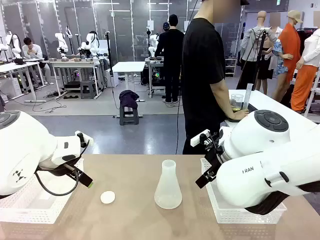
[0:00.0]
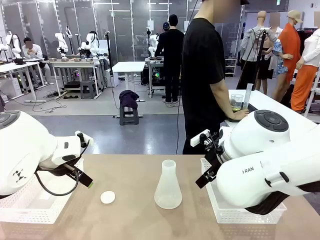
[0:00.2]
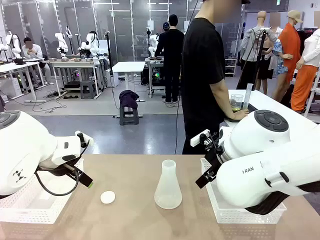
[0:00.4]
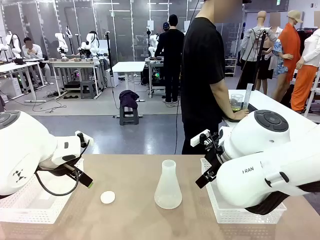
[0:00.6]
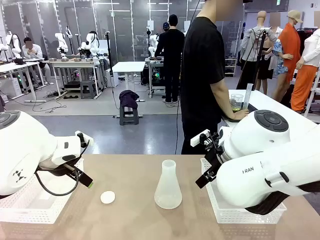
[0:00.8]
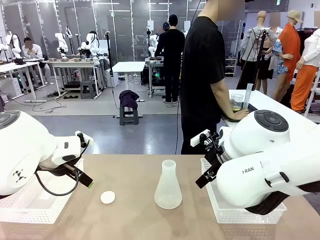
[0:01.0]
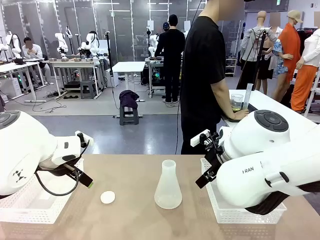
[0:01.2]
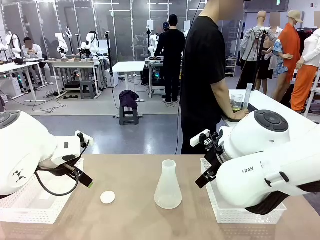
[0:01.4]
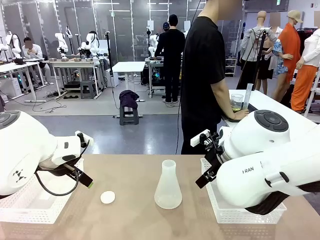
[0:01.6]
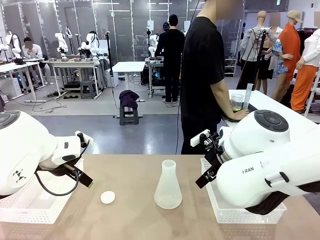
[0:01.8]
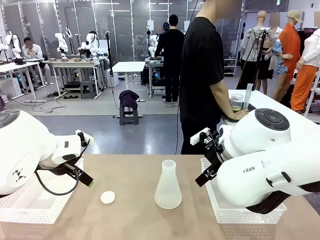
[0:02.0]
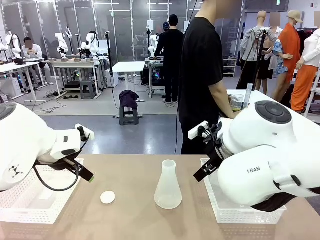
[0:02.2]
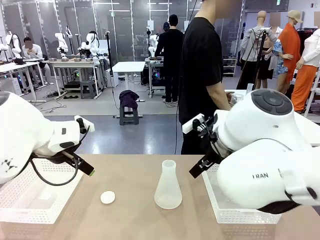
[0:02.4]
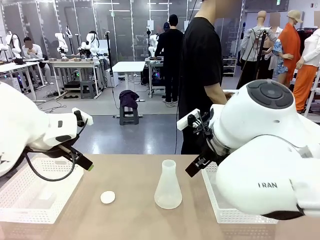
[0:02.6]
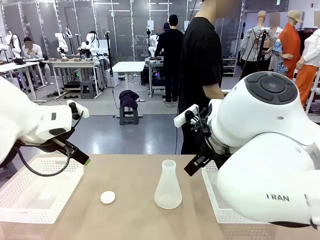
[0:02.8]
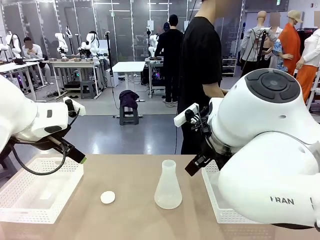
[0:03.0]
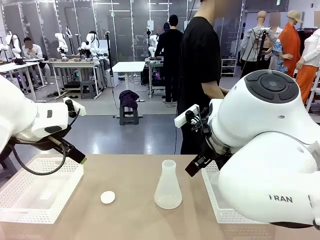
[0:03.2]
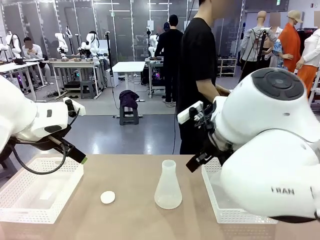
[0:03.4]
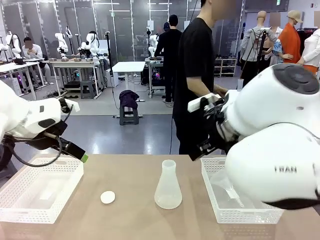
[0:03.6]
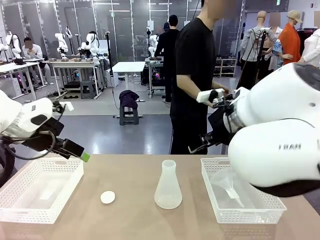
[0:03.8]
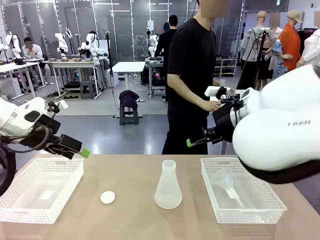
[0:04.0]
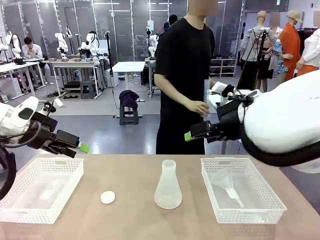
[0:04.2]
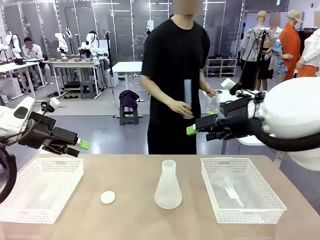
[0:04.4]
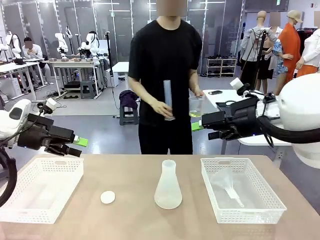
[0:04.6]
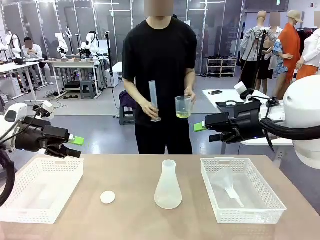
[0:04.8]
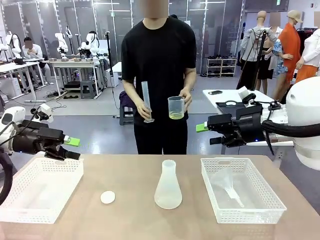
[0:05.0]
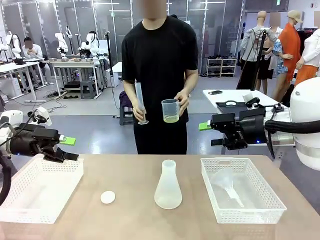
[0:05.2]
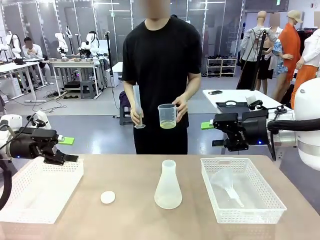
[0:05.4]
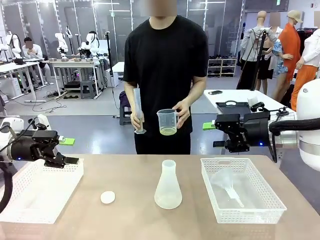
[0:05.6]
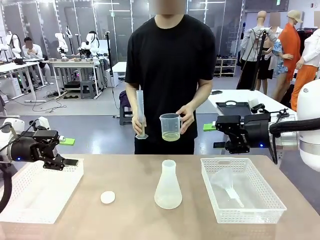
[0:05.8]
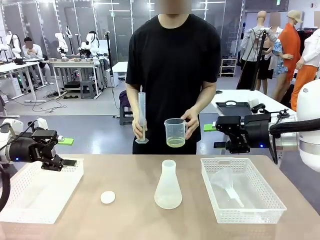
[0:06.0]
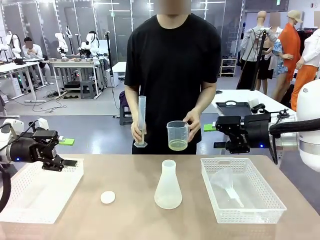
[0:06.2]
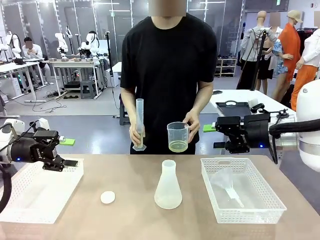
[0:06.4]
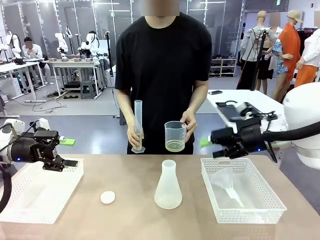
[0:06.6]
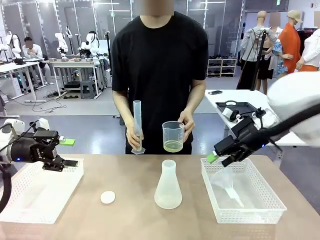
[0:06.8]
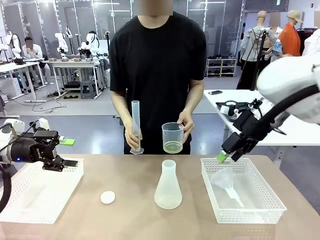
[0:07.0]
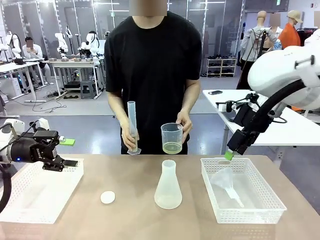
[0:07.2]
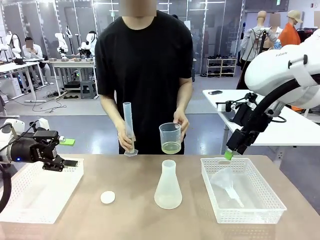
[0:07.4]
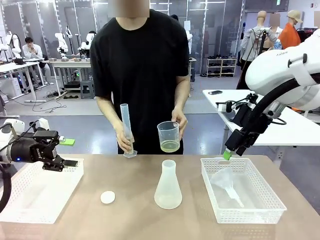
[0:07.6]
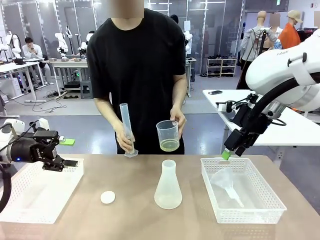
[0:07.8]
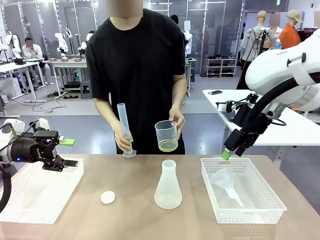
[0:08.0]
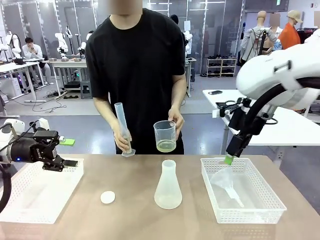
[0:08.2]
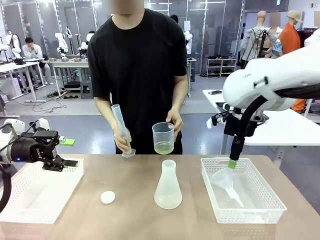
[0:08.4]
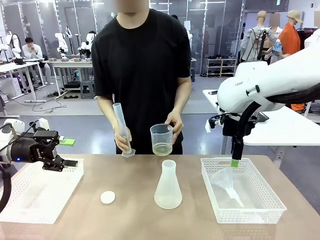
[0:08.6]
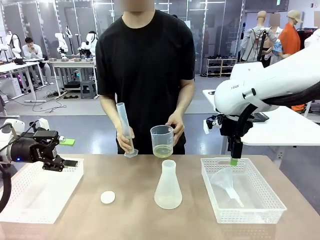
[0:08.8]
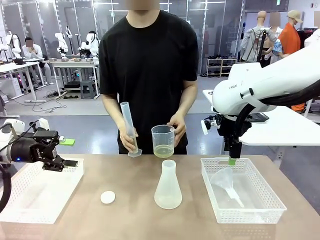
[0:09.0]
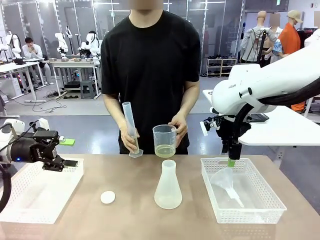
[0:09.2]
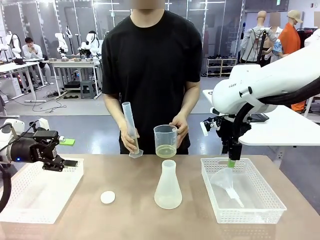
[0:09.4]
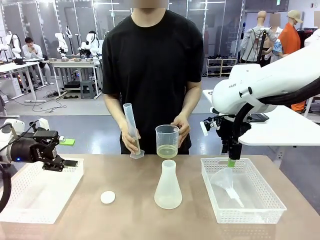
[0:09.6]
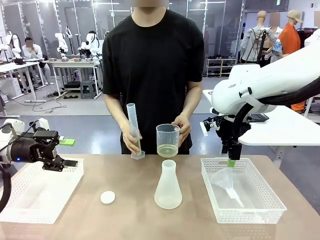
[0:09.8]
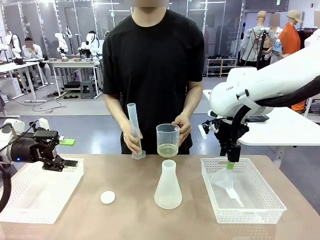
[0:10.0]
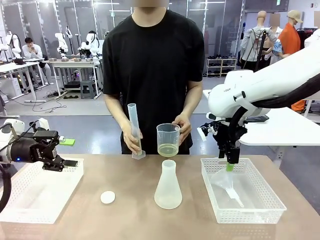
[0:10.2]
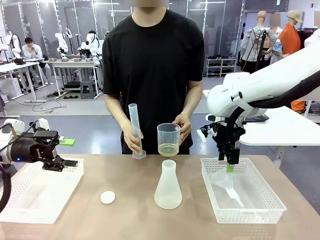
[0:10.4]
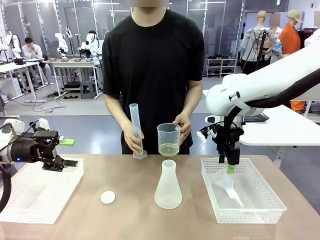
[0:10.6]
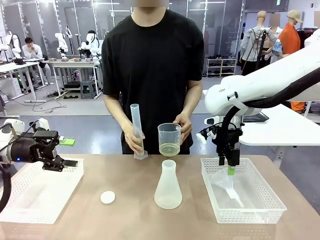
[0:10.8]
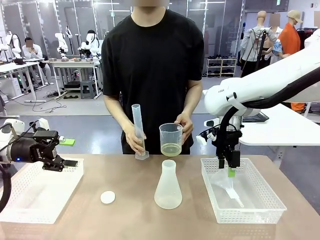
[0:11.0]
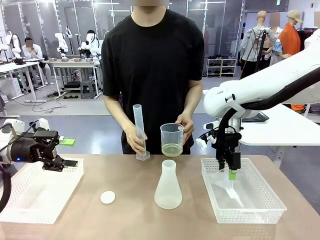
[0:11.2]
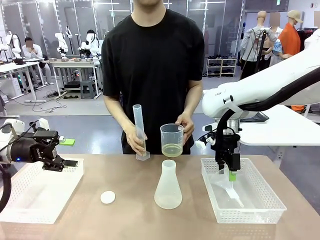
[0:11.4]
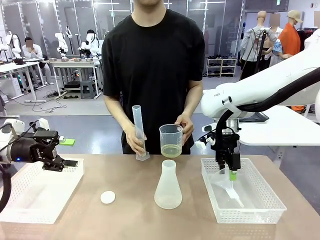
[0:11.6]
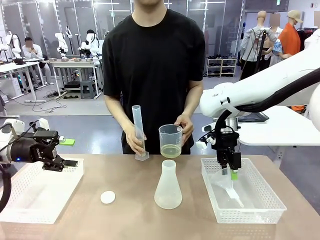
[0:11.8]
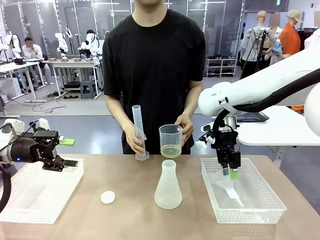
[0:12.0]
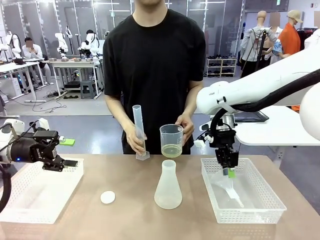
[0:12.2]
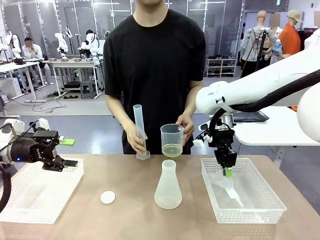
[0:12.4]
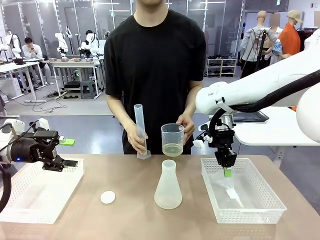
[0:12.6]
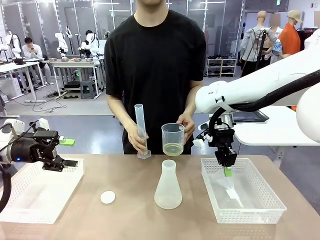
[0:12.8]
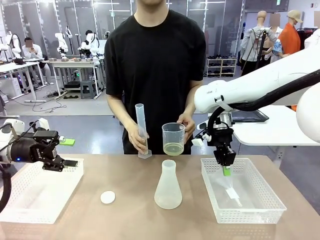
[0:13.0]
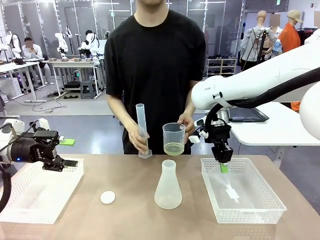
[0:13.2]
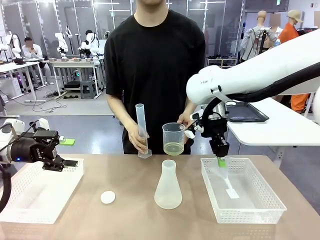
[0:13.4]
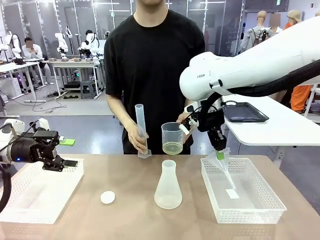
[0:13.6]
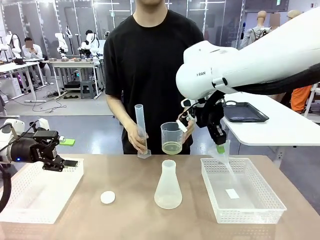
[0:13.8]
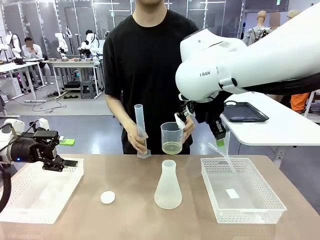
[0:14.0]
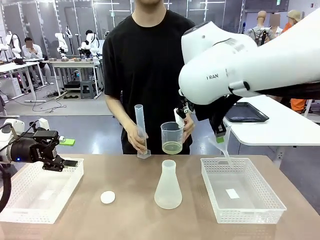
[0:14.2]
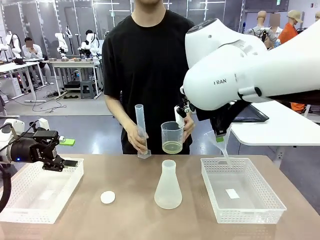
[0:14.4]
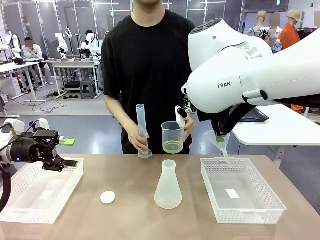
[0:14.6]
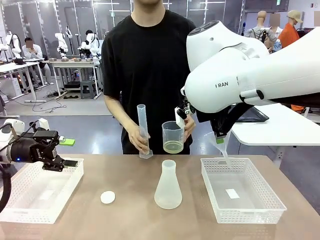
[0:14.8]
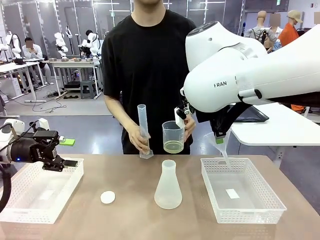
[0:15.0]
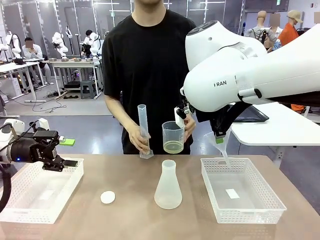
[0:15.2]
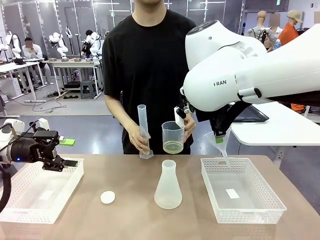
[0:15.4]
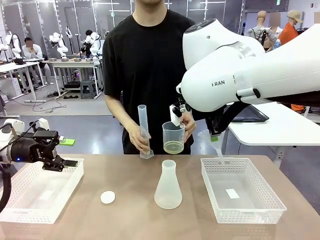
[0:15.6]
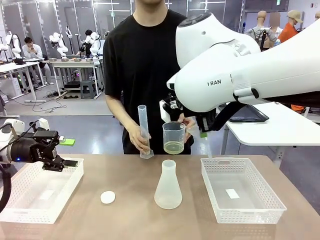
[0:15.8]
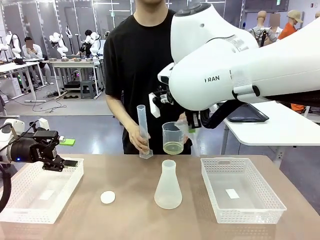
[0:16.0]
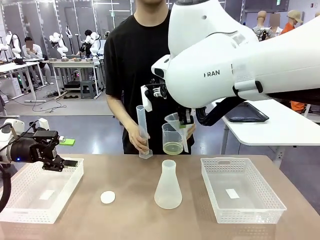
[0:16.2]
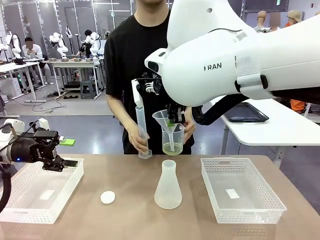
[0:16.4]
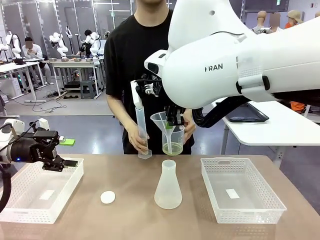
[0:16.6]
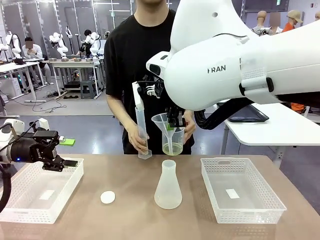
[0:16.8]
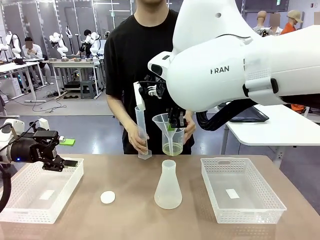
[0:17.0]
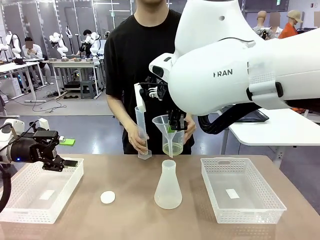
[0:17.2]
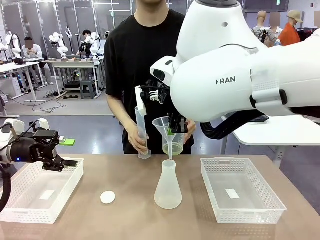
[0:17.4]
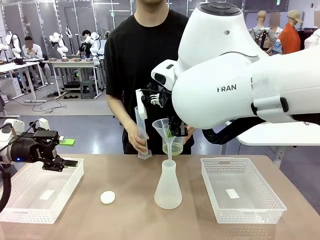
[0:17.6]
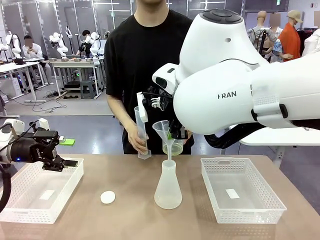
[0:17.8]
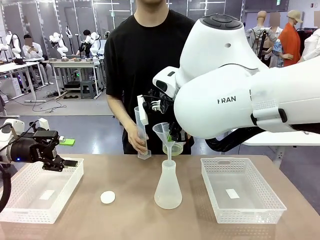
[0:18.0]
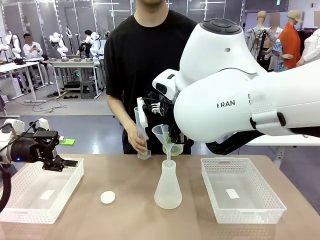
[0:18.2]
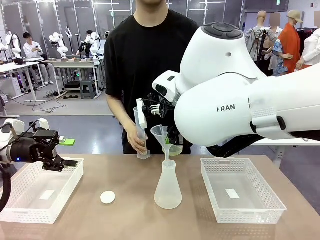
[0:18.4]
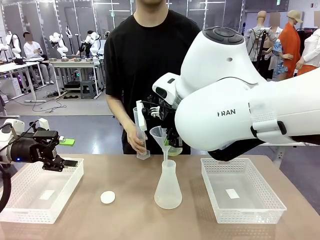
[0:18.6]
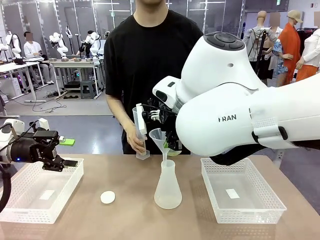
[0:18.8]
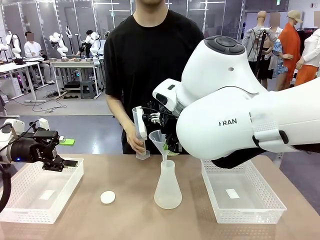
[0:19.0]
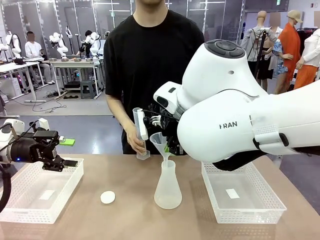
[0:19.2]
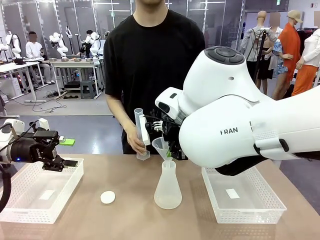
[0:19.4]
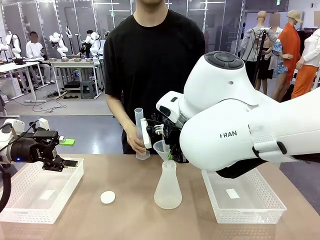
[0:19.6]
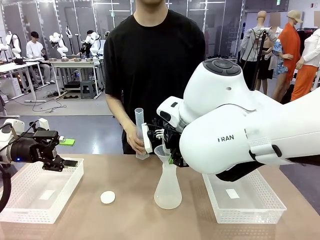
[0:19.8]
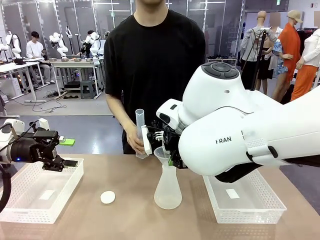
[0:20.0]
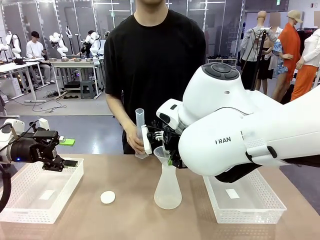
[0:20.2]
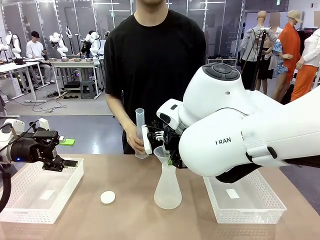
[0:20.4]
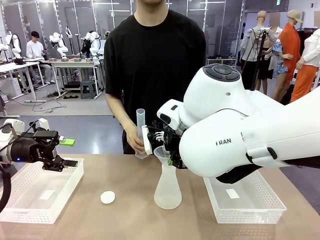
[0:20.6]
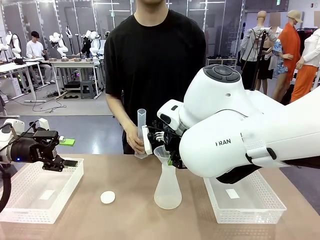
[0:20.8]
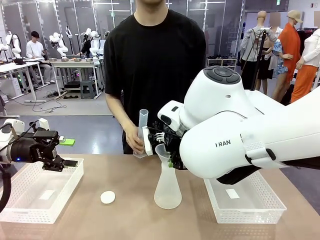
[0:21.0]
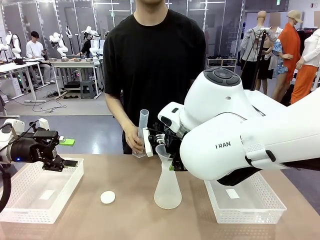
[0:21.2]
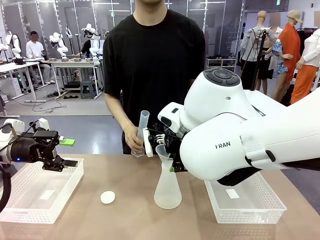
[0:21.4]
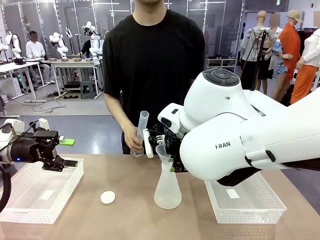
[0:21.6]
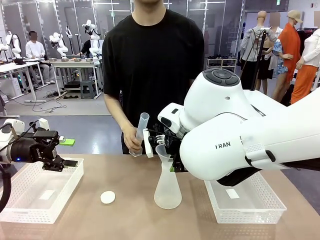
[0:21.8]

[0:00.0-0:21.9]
Task: Prepare the solutions needed for the experiment.
Robot: Pick up the Plastic Funnel and insert it into the Big flask.
Person: Pick up the beaker and the cylinder and move to the middle of the robot table. Pour the solution from the beaker and the cylinder into the flask.
